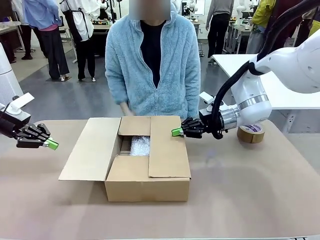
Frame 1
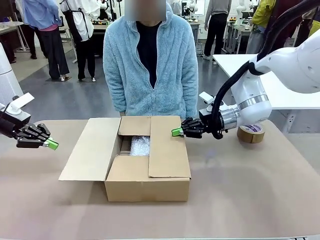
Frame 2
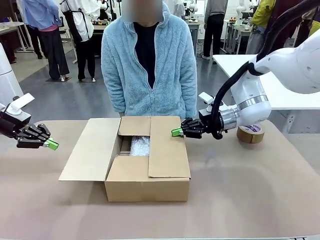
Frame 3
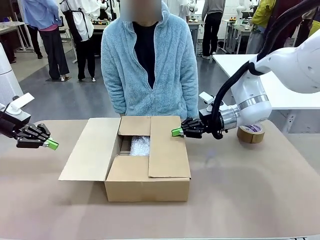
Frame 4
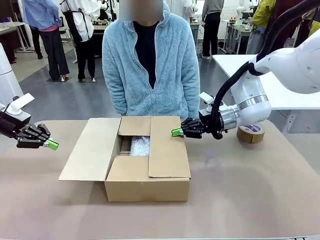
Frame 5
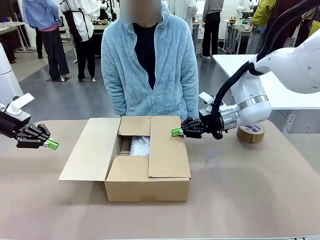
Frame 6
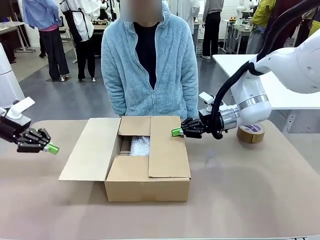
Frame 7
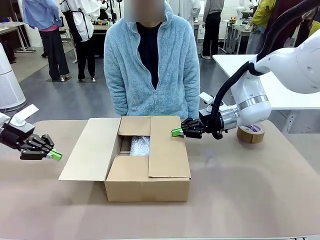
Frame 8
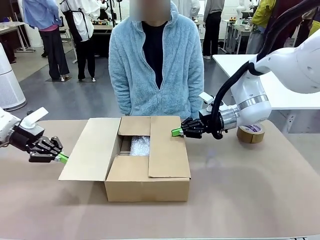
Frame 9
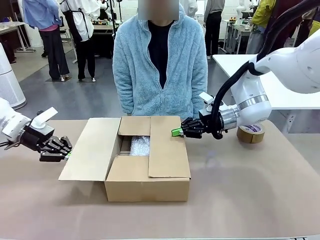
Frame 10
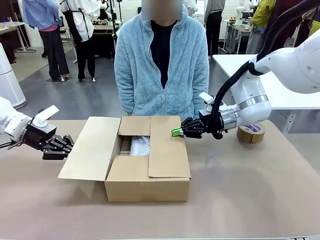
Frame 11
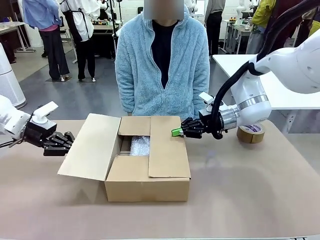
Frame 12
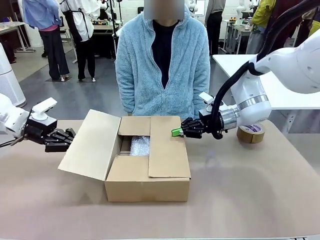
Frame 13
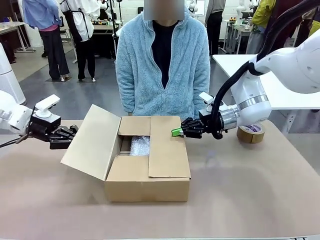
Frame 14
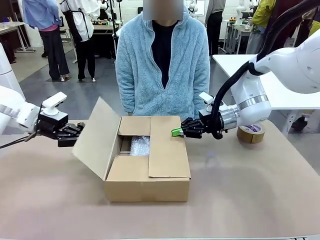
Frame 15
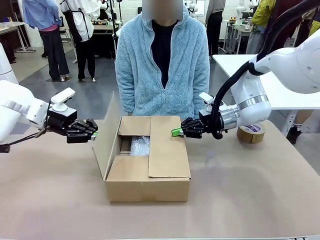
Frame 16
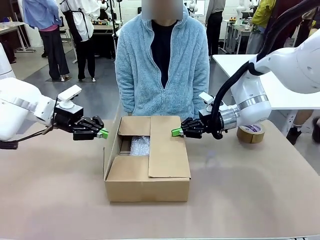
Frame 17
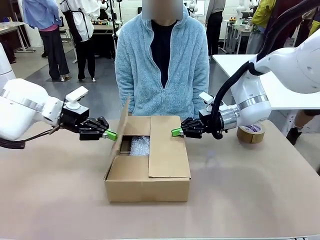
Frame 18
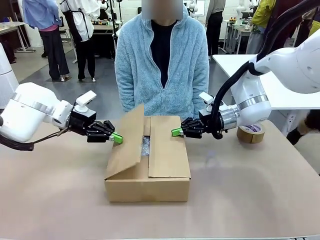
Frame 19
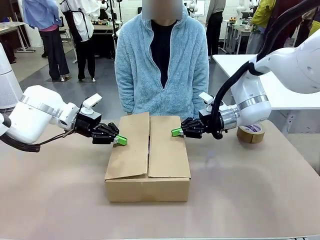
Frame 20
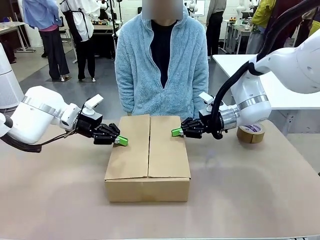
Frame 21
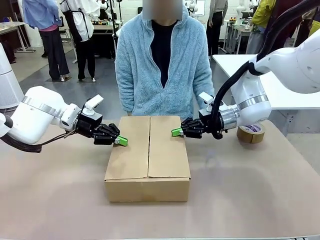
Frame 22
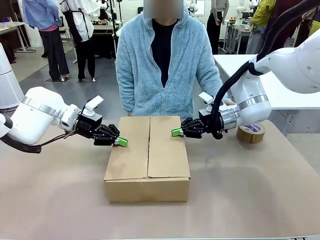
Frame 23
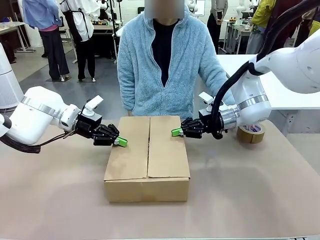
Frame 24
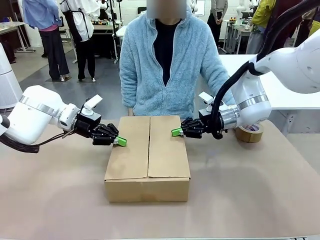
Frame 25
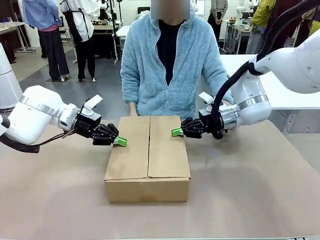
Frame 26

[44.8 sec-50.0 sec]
Task: Wrap the clocks to prevent damage.
Robot: Push the left (or right) flap of the Package Box to close it.

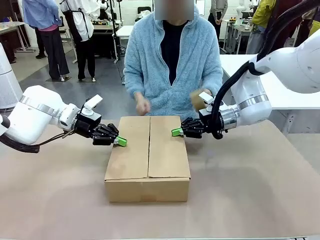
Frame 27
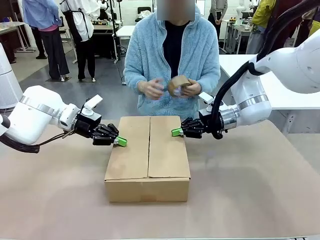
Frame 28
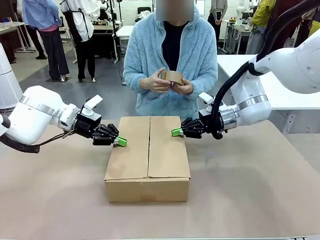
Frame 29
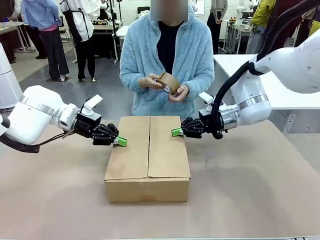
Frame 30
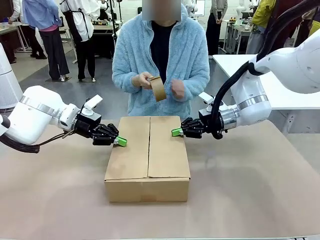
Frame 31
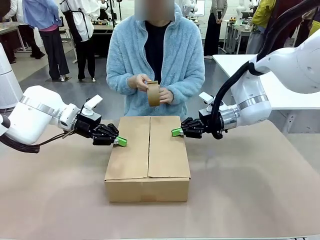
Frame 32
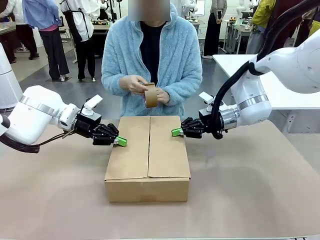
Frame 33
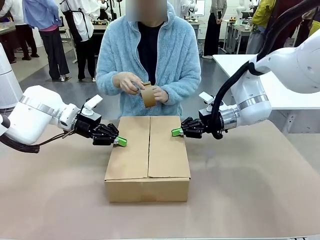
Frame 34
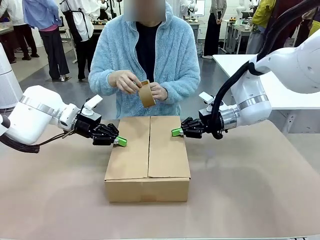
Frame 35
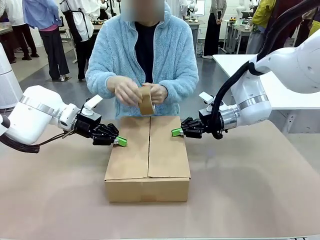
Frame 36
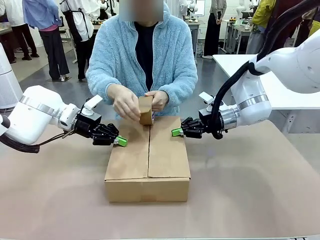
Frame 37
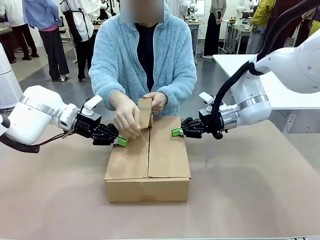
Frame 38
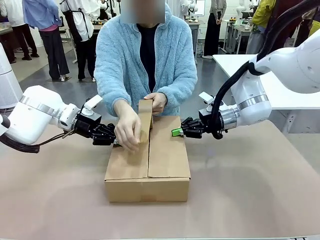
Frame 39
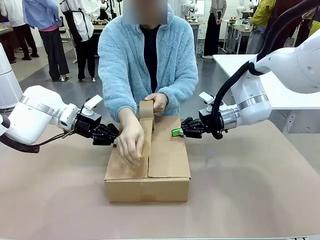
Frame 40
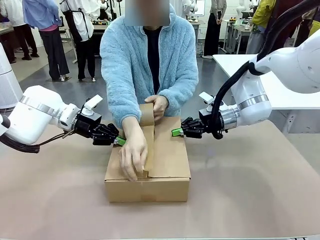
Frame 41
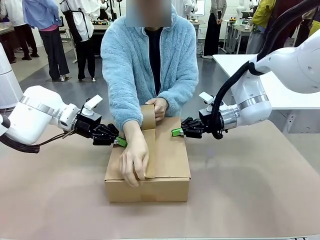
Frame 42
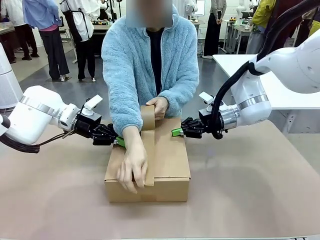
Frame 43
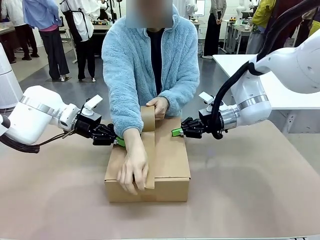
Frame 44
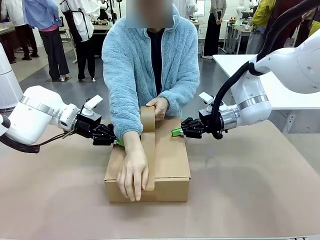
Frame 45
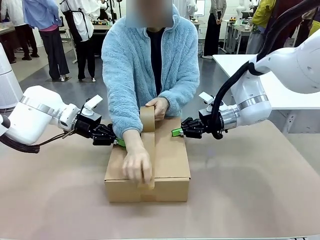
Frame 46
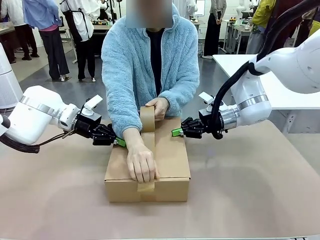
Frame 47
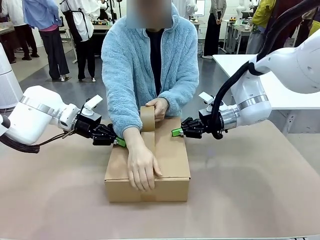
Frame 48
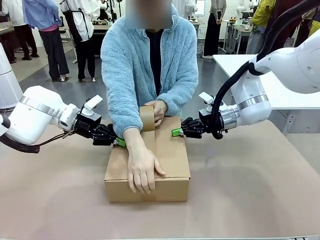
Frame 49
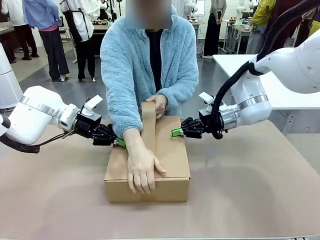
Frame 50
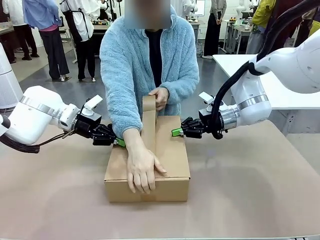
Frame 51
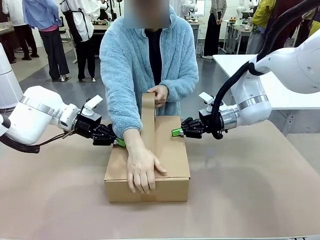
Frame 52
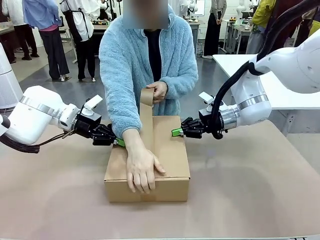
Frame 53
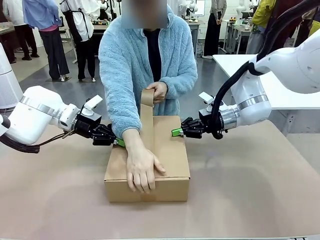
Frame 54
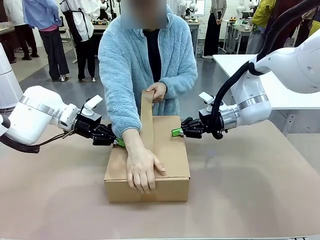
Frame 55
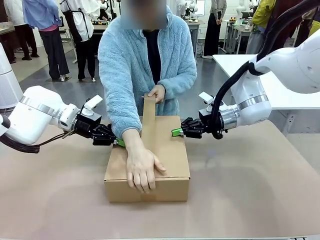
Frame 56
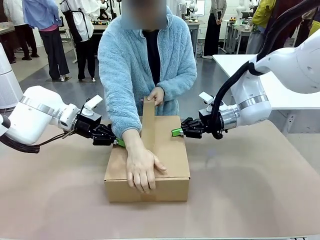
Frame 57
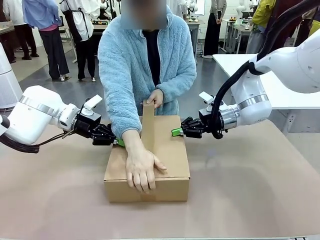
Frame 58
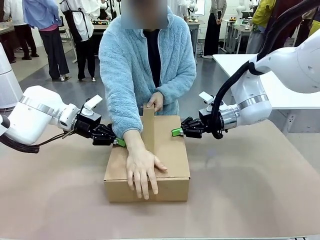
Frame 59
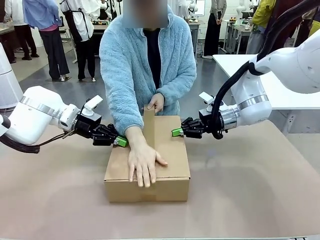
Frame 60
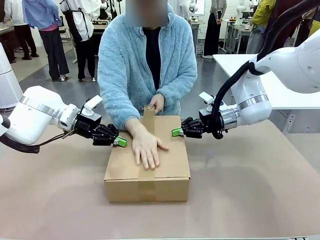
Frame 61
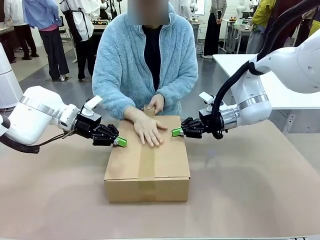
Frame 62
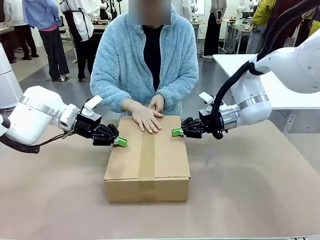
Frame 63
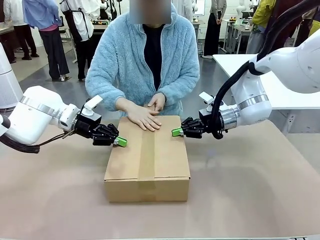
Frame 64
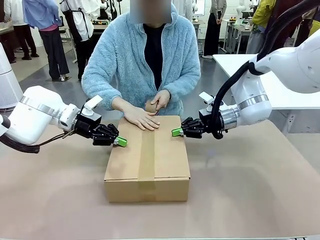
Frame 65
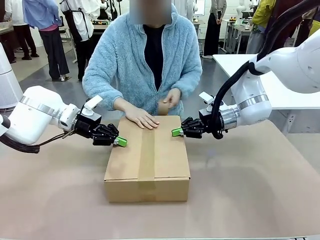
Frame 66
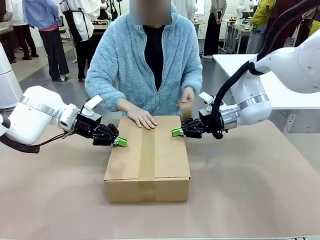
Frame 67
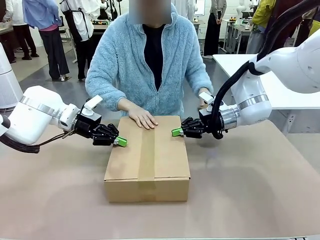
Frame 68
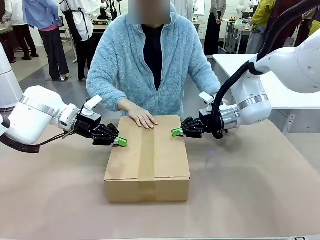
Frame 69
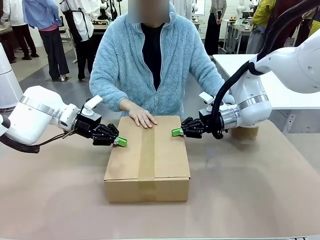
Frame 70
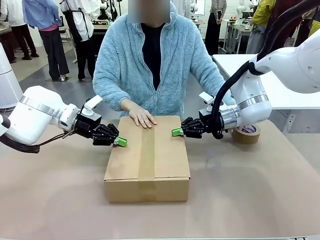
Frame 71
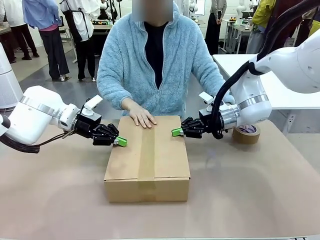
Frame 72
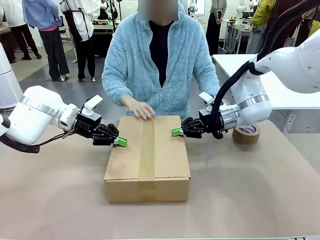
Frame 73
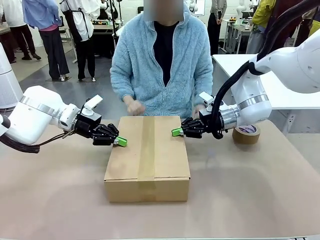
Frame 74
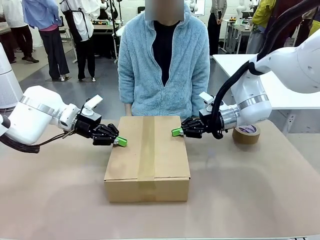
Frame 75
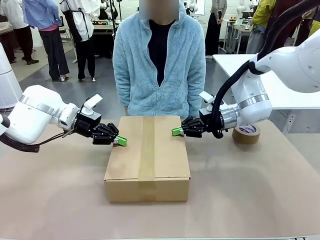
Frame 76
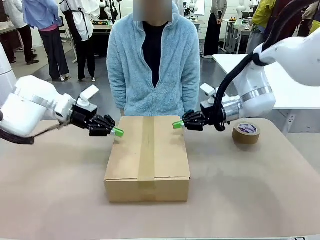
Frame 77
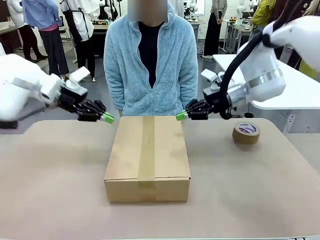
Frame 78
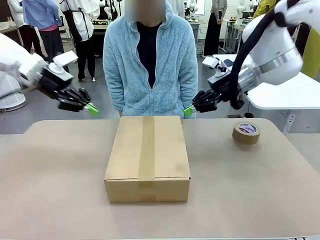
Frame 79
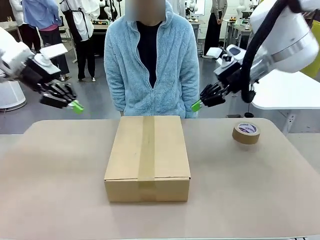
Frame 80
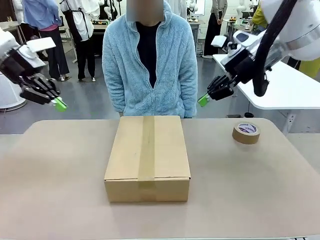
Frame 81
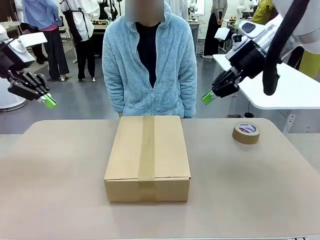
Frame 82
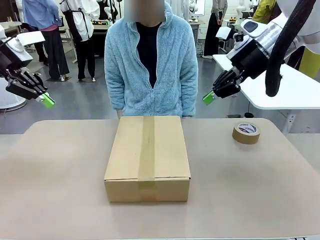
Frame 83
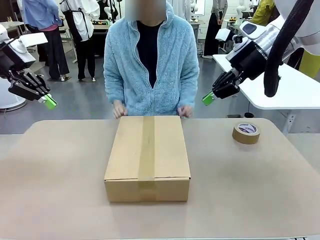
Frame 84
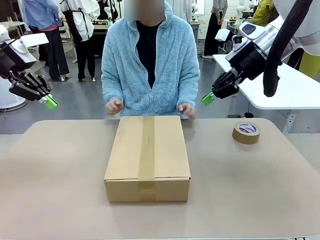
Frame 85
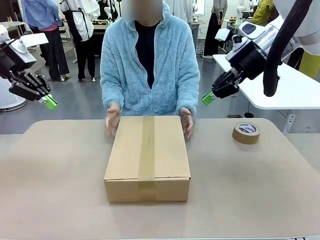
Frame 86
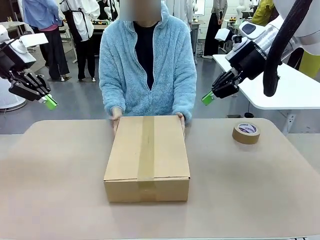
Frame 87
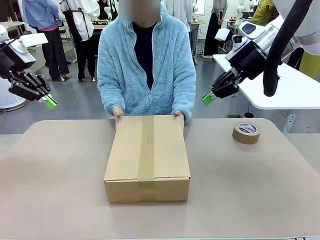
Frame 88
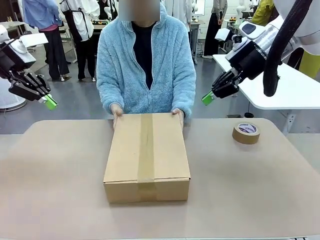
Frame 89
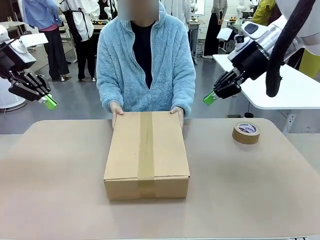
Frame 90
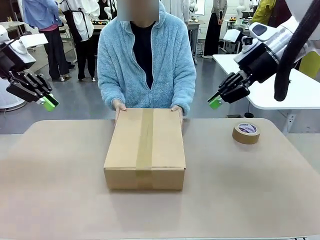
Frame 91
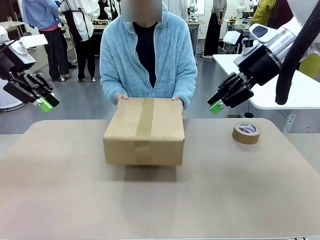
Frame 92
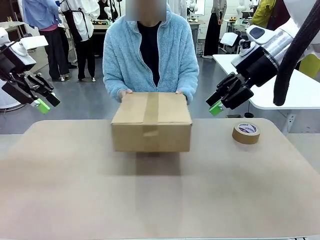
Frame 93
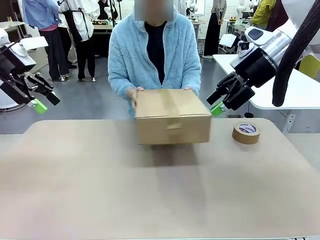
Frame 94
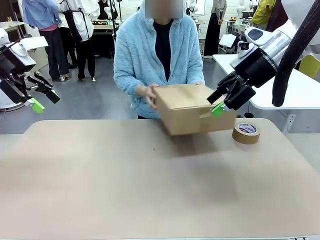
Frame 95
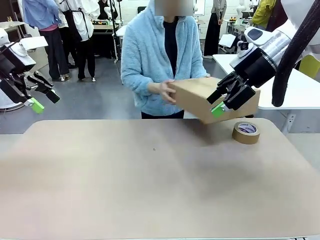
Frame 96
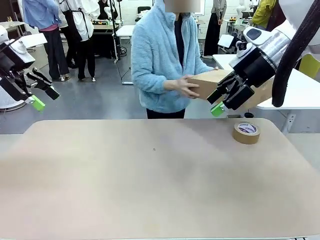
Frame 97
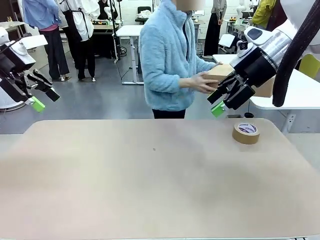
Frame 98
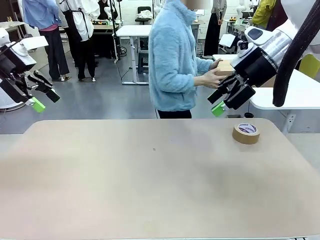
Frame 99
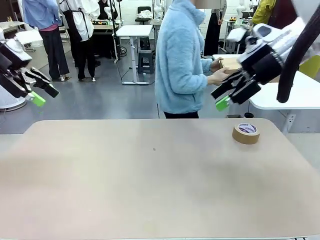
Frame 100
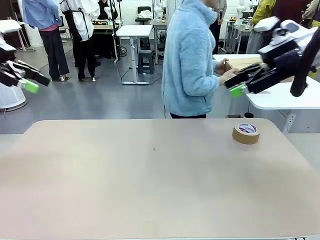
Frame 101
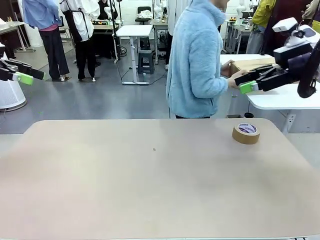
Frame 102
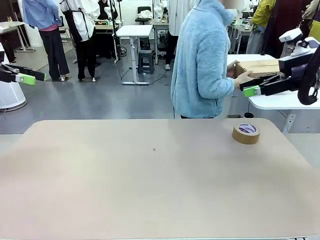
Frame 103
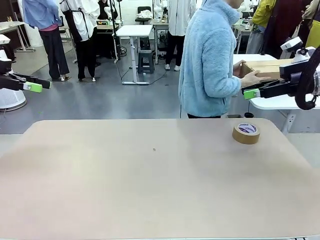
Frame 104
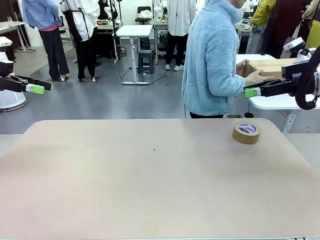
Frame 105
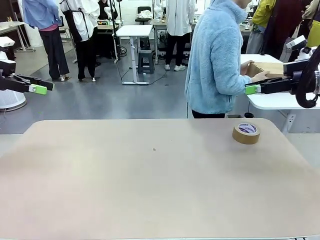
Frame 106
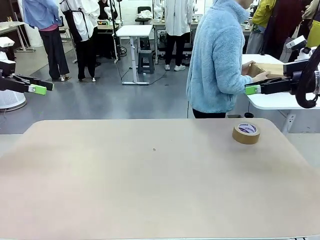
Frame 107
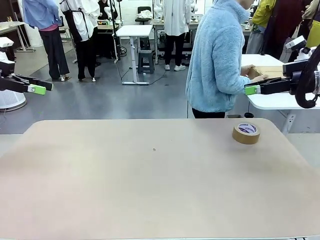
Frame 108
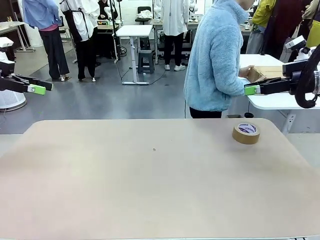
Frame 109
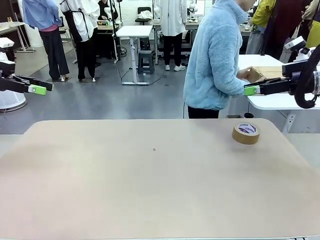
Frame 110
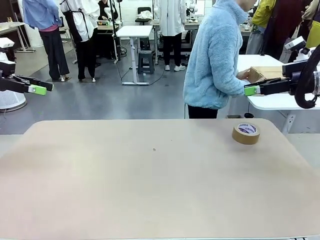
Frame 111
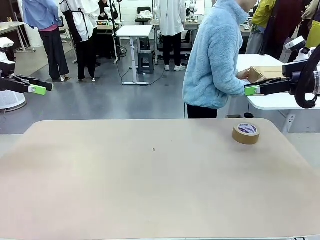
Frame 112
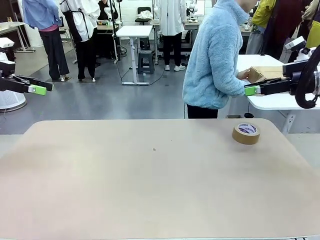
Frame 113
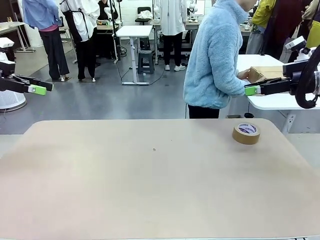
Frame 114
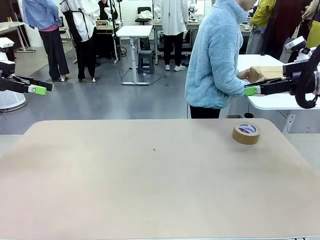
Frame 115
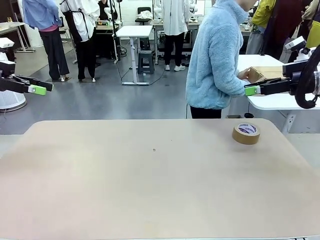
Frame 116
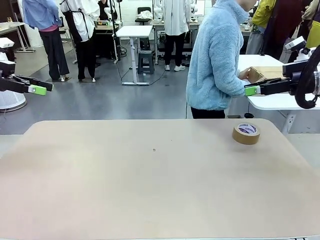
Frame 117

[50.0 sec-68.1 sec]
Robot: After the human seals the box with tape, release both hands from the side flaps of the Package Box.
Person: Once the robot closes the left flap of the Package Box , seal the box with Paper Tape. Place sealed Package Box in the middle of the human's table.
